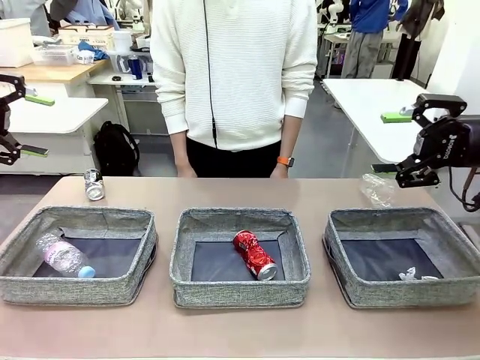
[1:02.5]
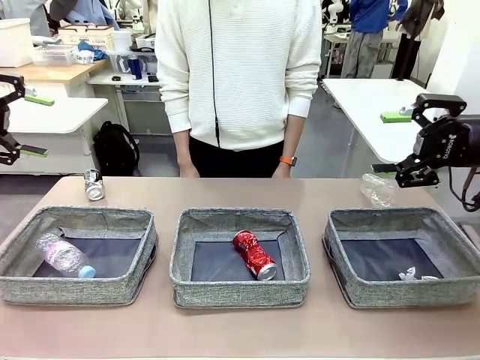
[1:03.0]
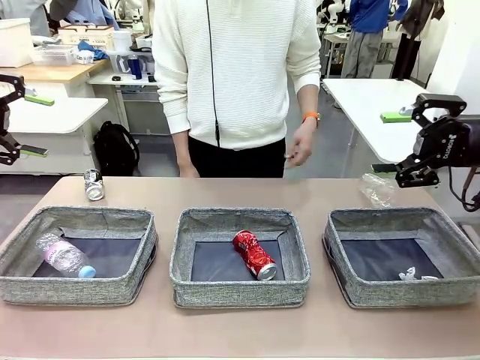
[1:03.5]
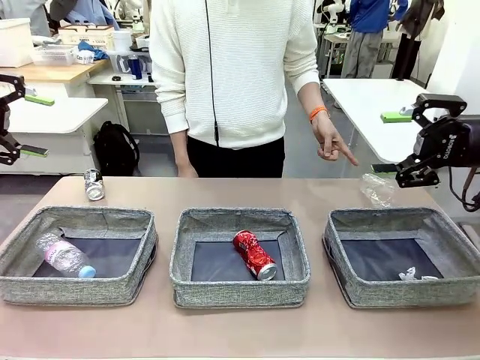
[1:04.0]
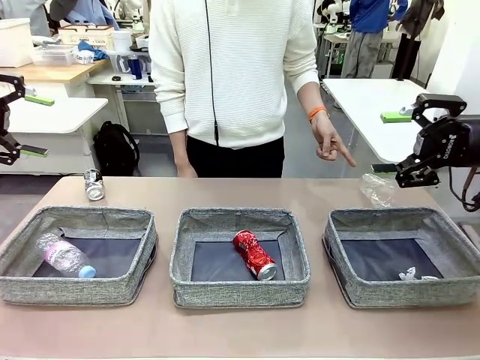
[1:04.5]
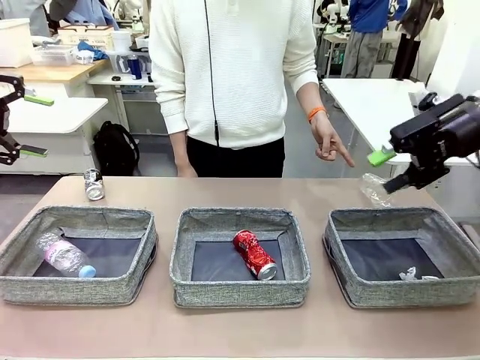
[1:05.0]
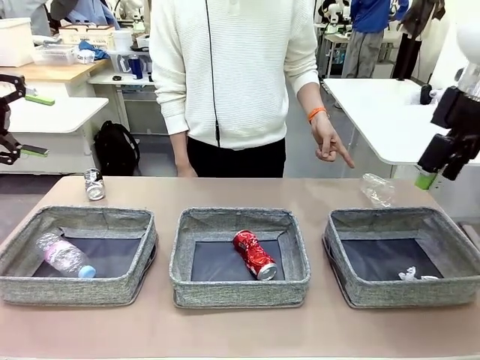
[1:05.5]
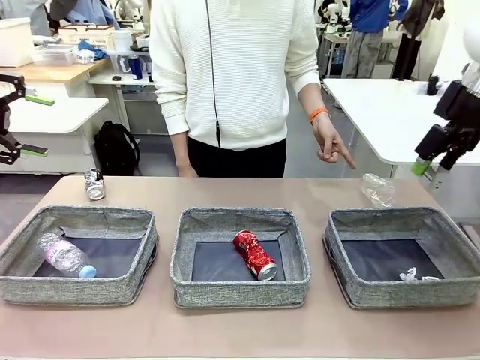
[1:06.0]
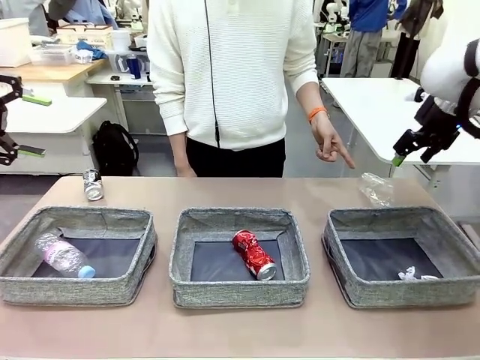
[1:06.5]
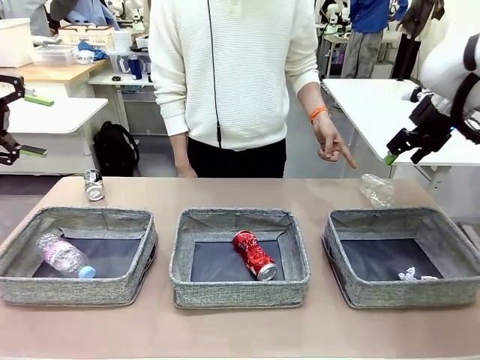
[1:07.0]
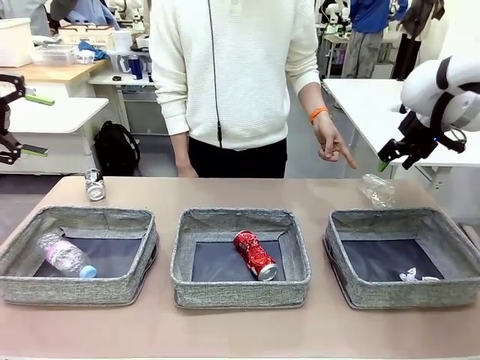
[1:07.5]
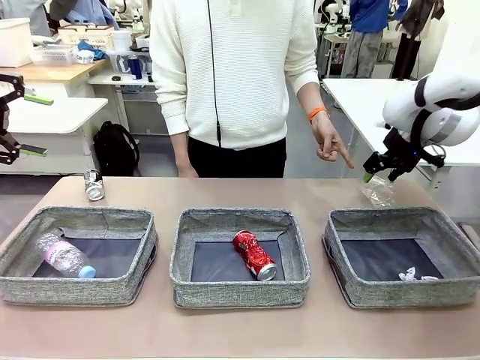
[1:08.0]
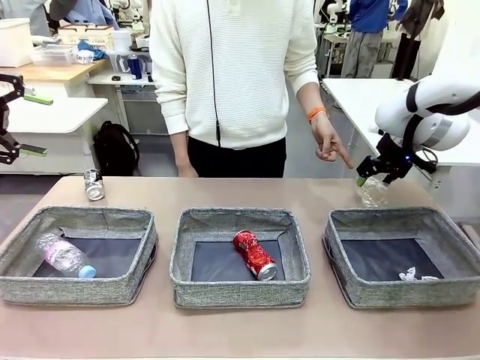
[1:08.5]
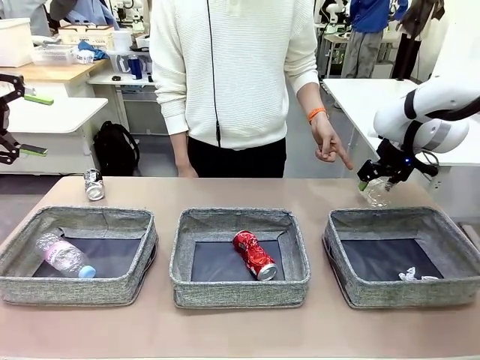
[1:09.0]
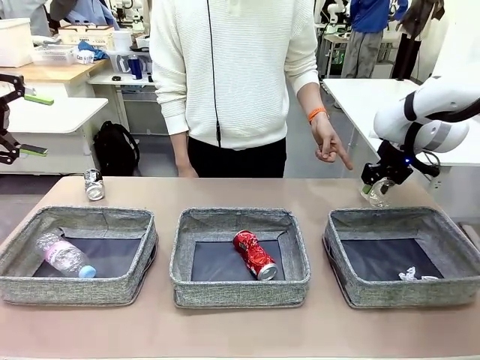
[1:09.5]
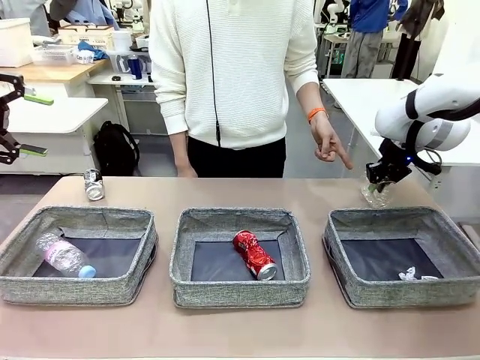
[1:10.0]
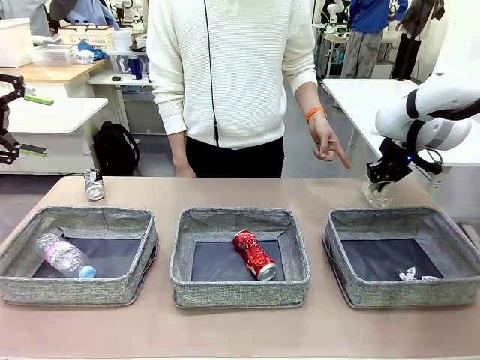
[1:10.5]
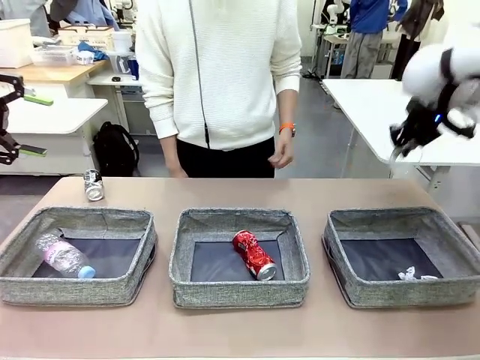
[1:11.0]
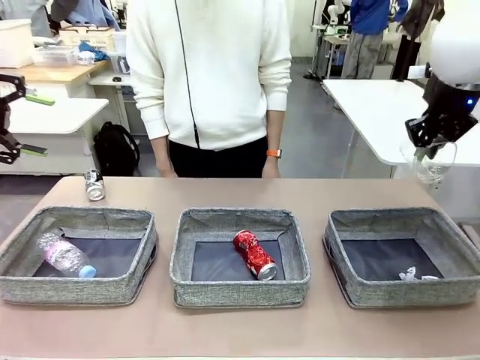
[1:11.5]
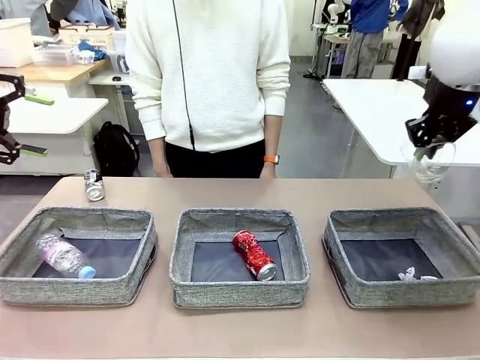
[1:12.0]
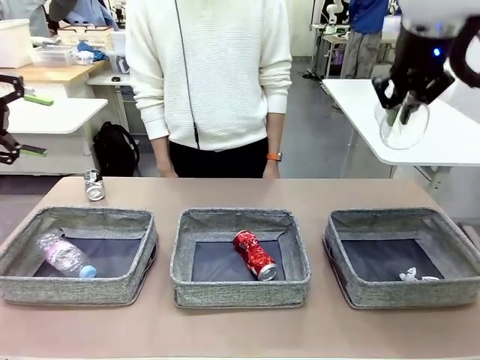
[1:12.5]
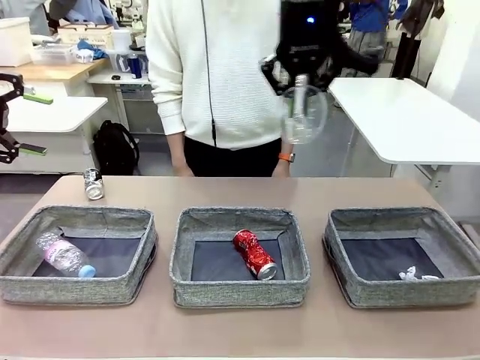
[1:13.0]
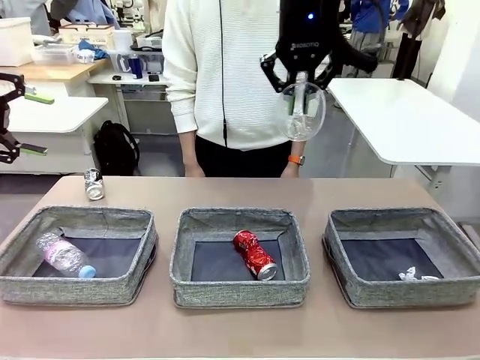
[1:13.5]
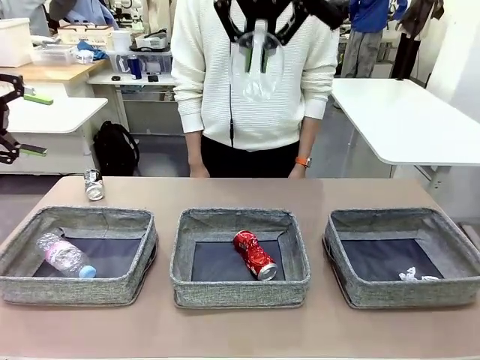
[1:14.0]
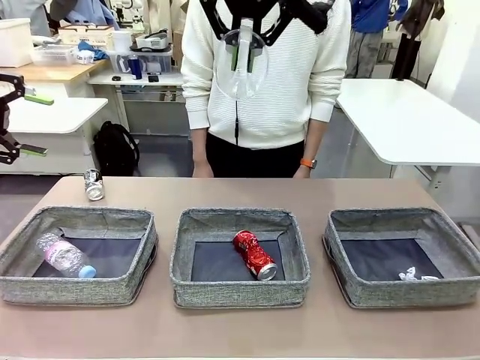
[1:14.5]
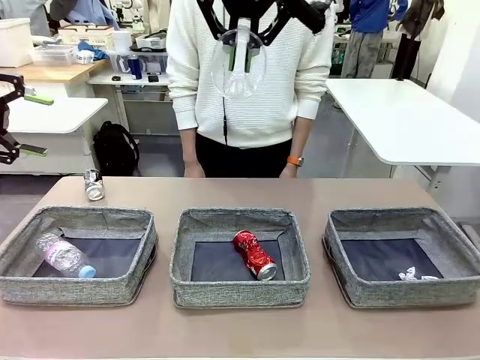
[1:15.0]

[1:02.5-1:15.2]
Task: Sort the waste into the appropriate baskets.
Robot: Pick up the waste item pointed out by the person.
Person: Points to one piece of trash on the table.

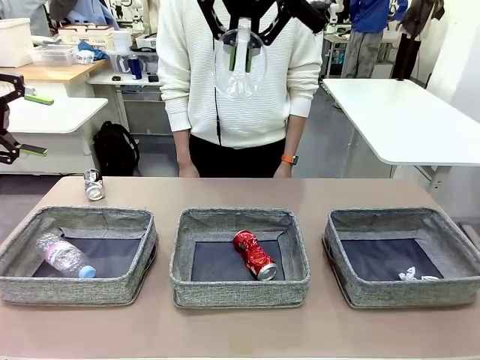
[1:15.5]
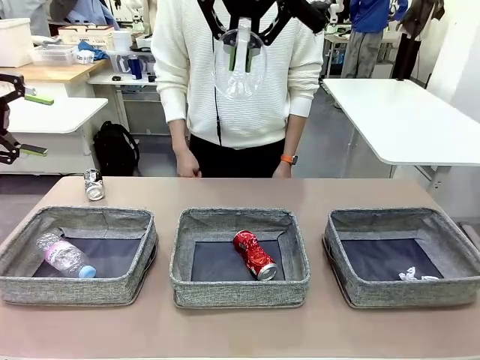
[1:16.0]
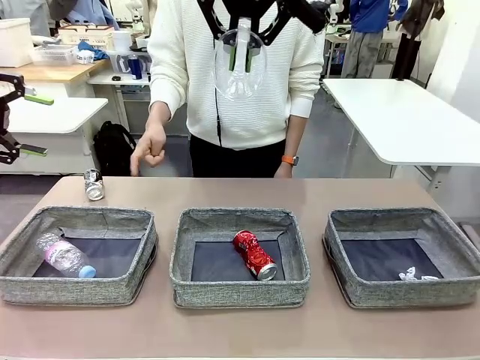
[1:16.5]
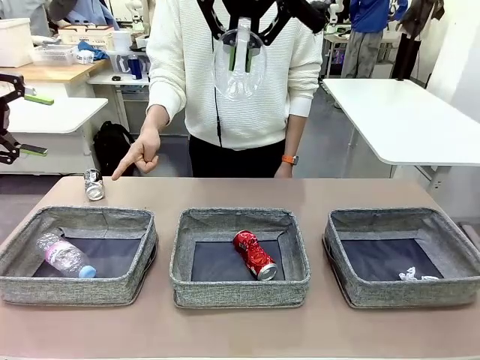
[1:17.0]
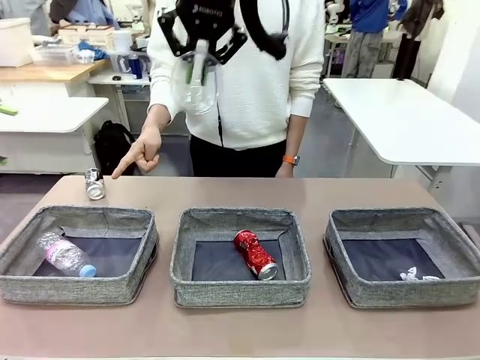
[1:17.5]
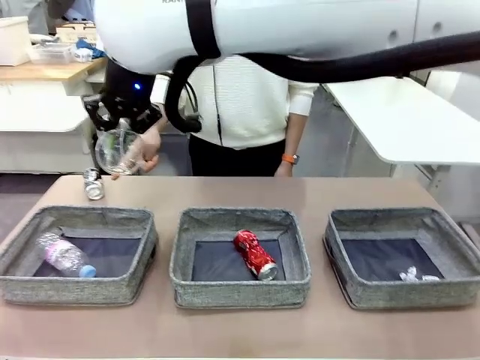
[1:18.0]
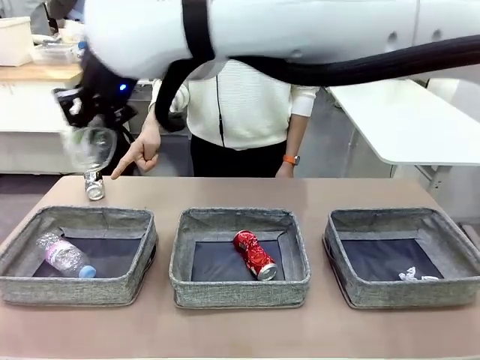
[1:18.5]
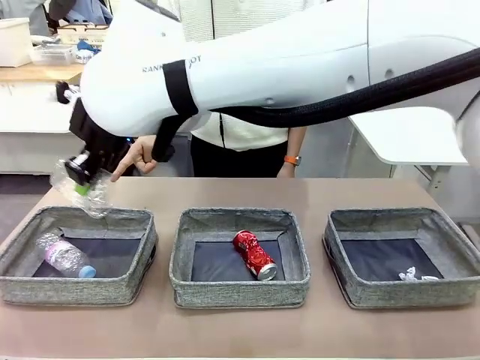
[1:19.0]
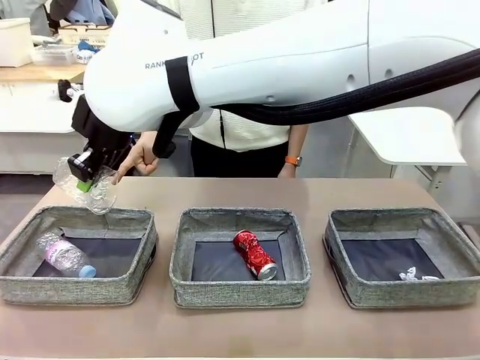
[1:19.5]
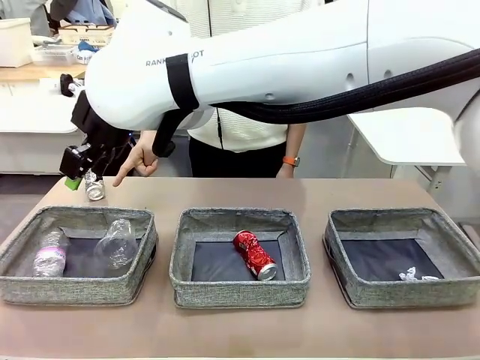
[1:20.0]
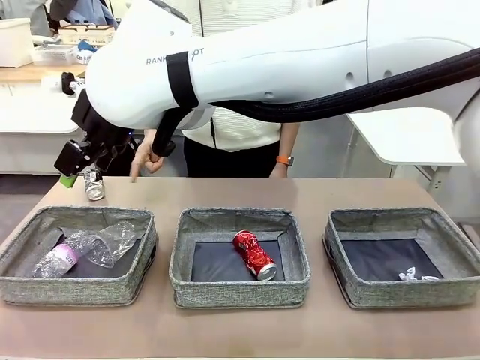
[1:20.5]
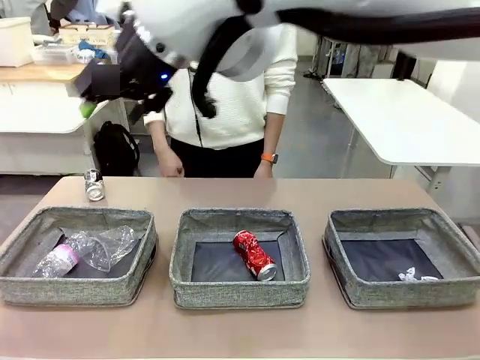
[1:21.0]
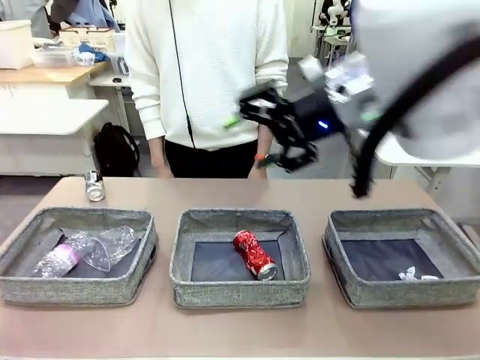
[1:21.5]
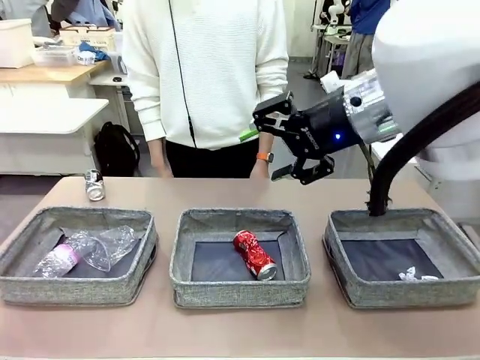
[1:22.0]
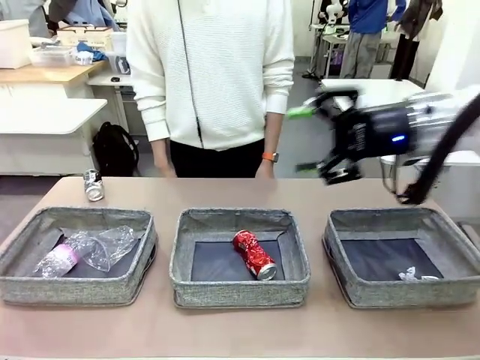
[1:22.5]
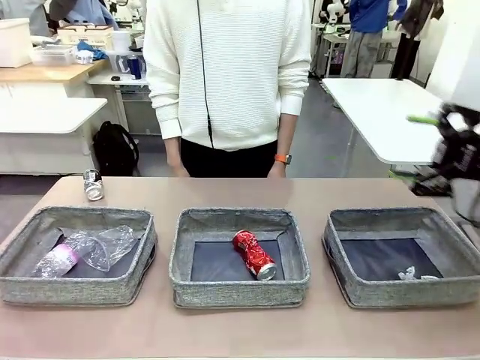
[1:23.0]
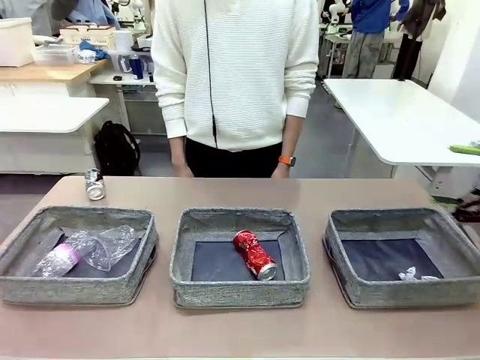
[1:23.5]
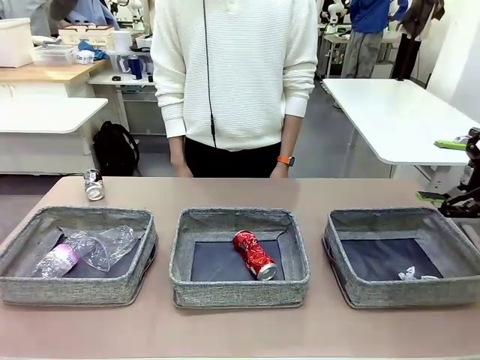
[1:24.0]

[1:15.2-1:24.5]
Robot: Place the picked waste into the Fabric basket indicated by the person.
Person: Instructs the robot to place the picked-up trash into the appropriate organizing basket.
